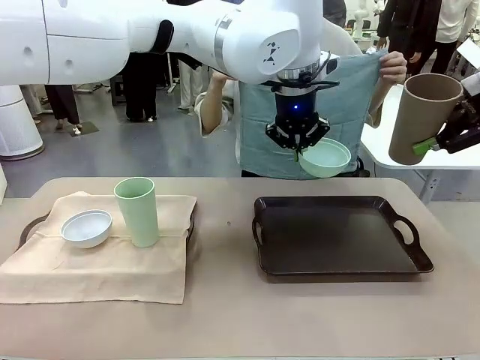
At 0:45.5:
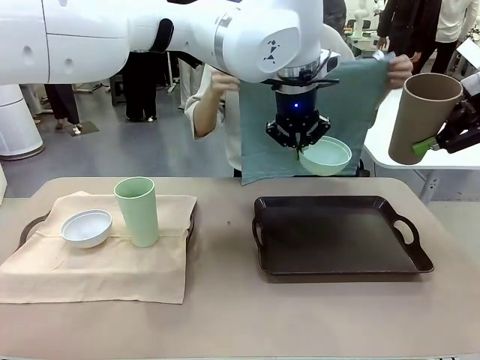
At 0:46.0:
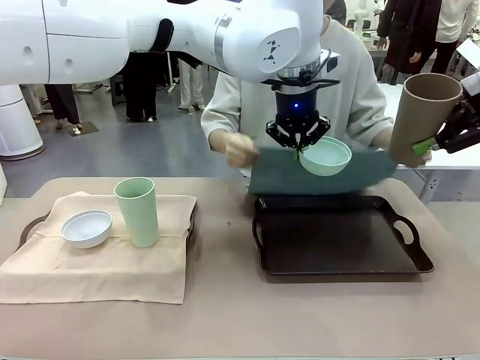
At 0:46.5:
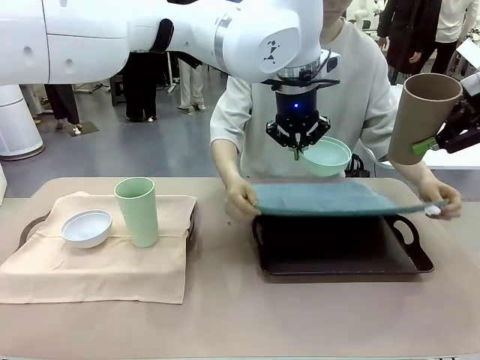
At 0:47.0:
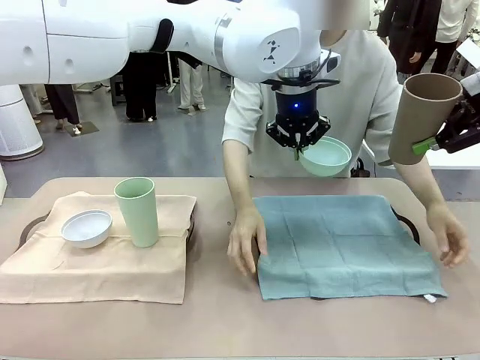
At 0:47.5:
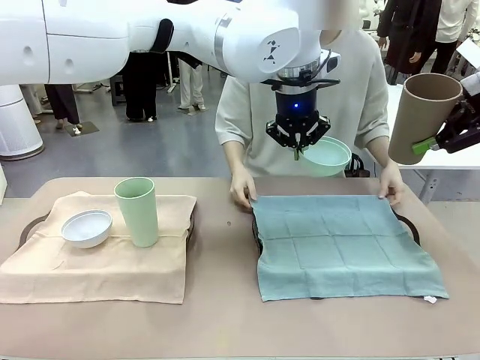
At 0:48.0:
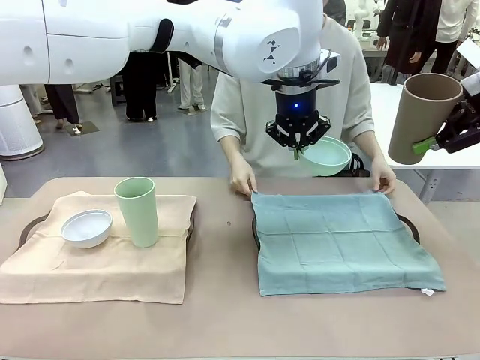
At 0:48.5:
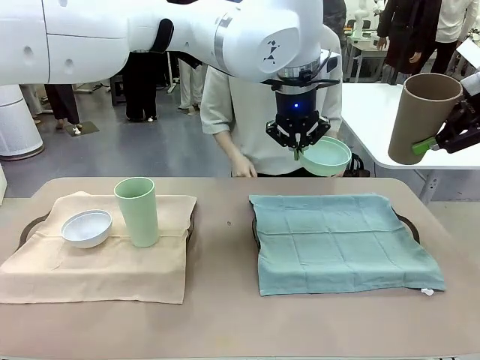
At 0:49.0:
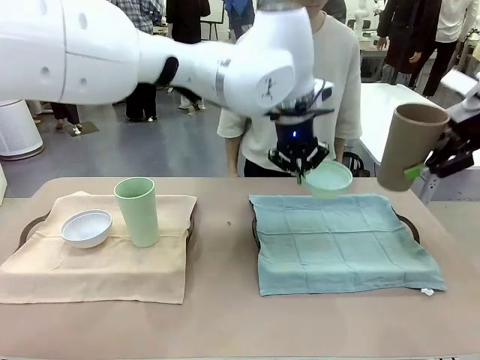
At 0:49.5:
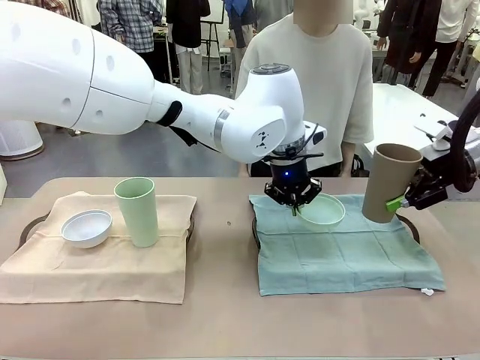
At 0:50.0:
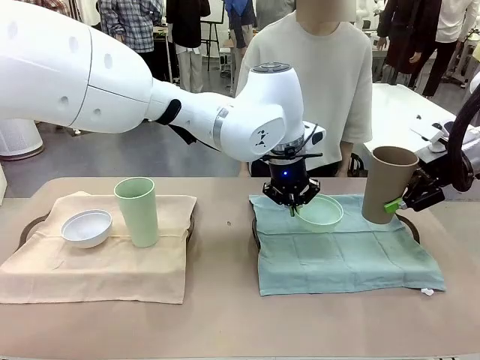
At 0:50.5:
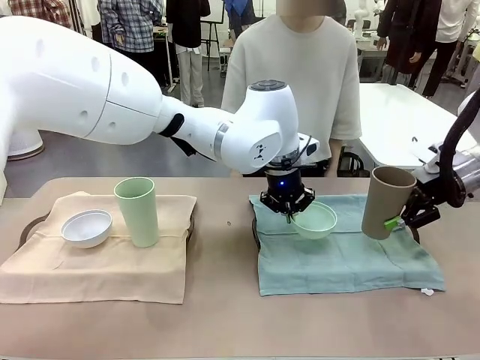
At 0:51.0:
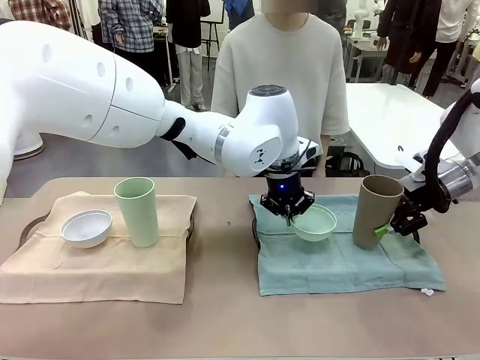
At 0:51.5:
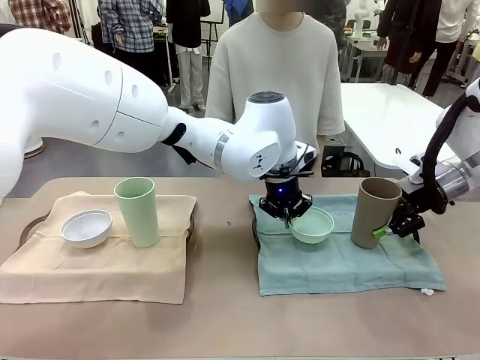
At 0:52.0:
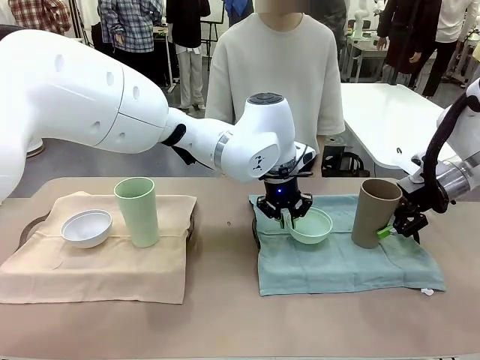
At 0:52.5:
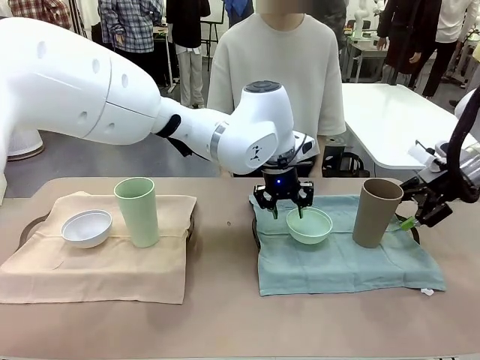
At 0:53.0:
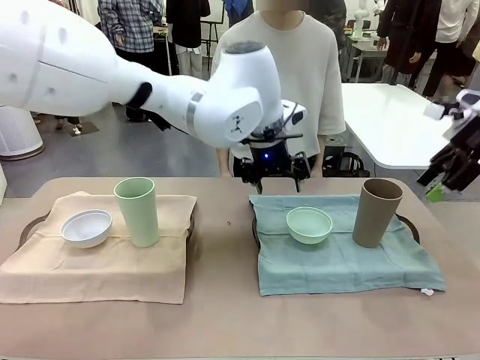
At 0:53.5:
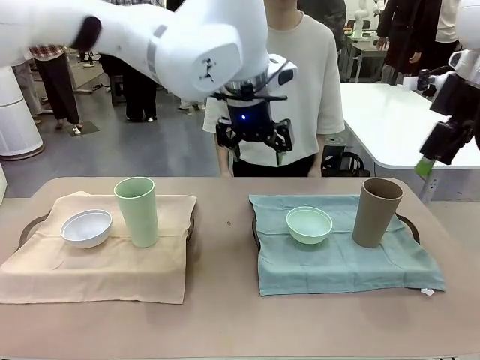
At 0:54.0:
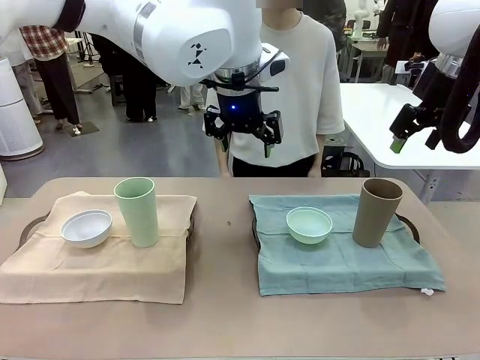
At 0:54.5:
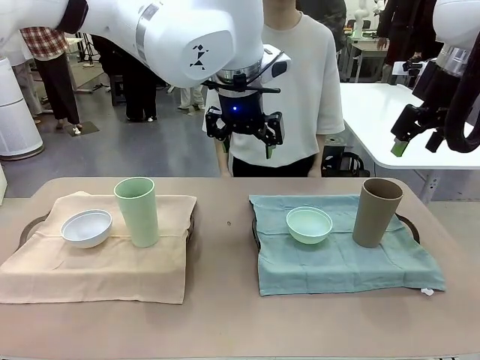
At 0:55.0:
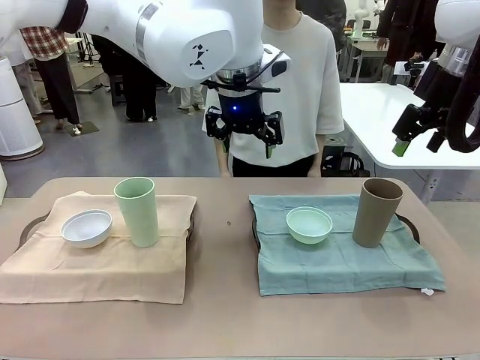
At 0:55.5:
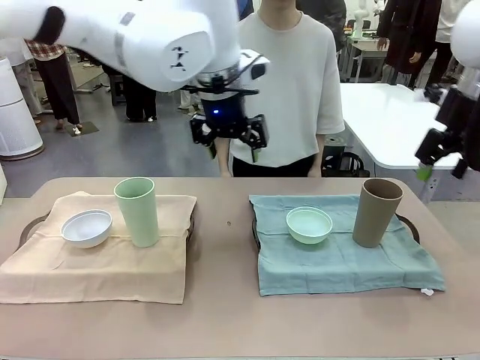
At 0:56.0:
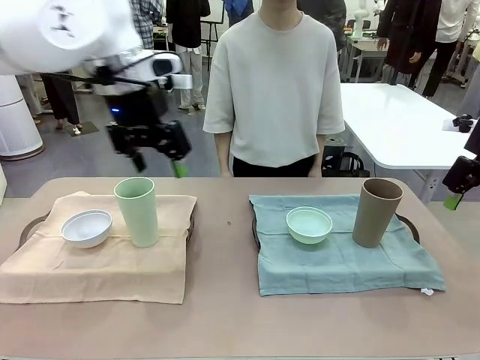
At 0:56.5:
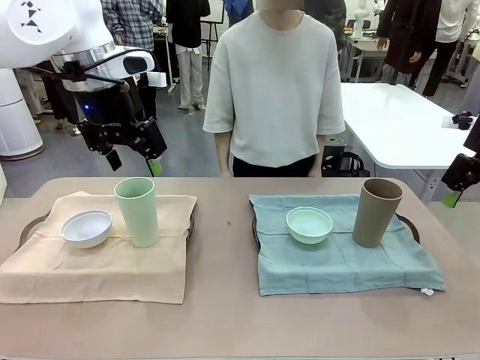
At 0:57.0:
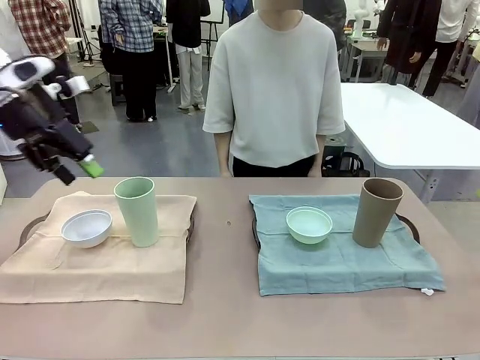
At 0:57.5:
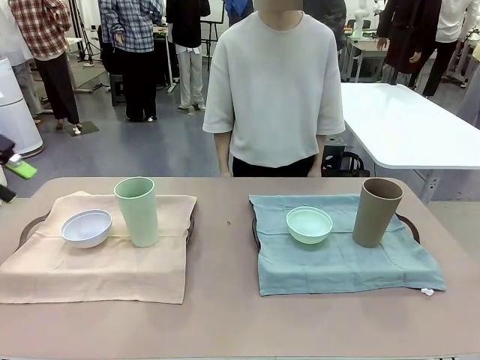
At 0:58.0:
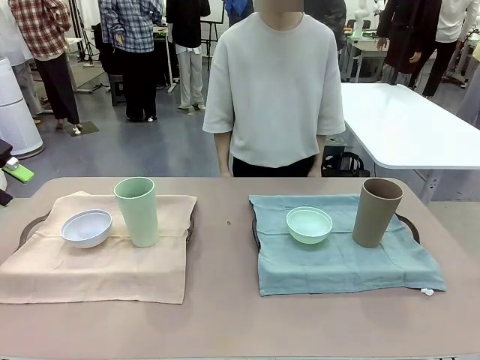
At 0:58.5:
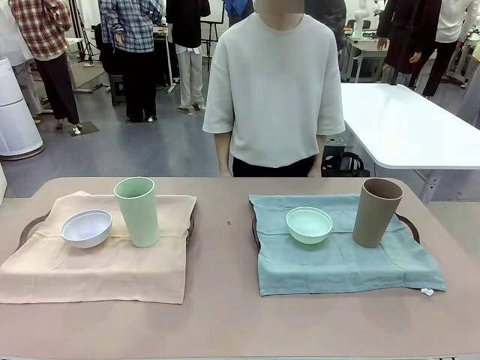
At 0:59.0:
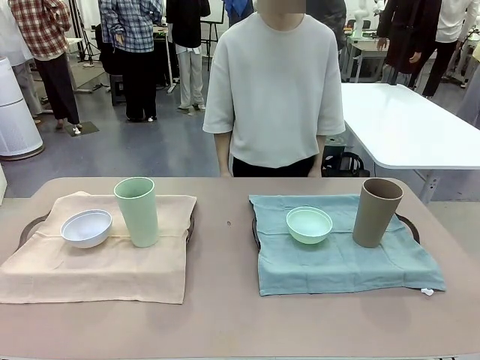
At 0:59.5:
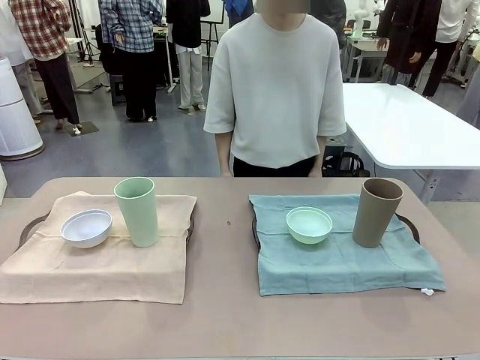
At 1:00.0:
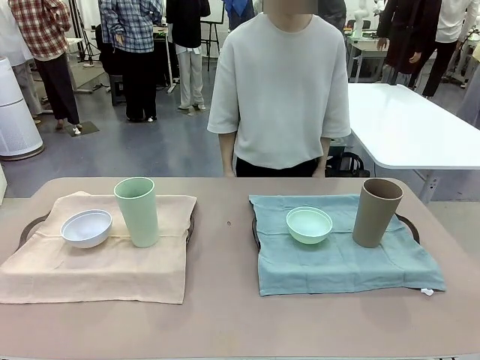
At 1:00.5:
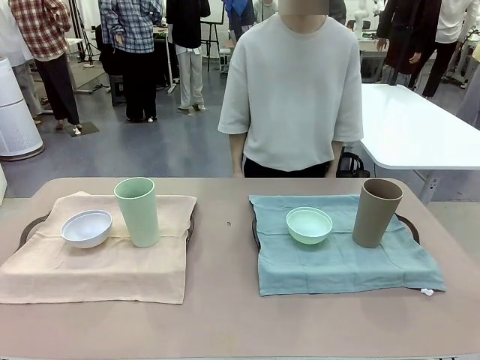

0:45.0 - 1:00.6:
Robot: Place the Picnic Bowl and Reusable plastic cup back onto the Handle tray in front of the human's position.
Person: When the robot lifts the bowl and the cup, the human unfolds the napkin and lays the napkin flat on the tray.
